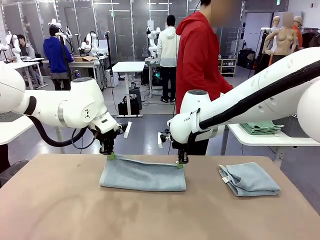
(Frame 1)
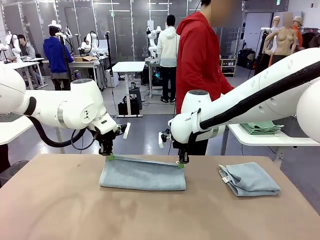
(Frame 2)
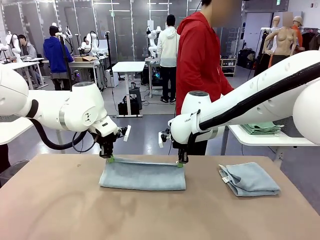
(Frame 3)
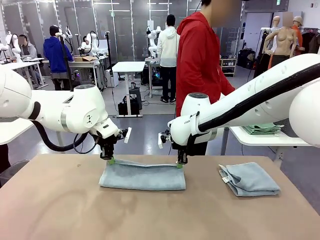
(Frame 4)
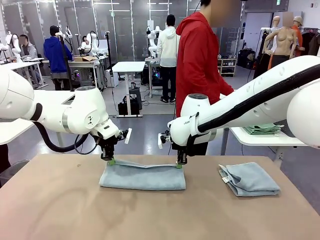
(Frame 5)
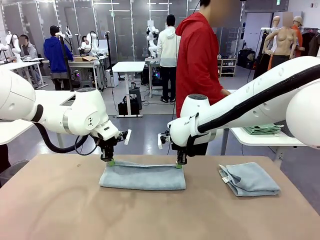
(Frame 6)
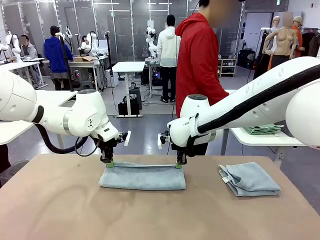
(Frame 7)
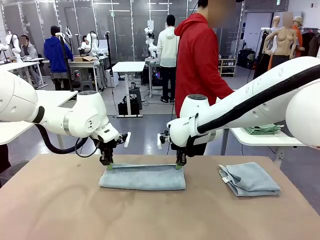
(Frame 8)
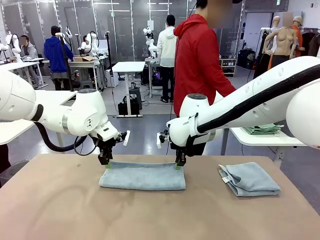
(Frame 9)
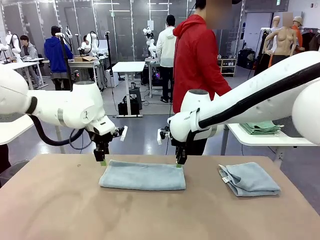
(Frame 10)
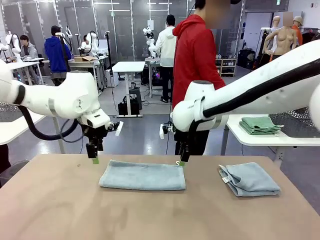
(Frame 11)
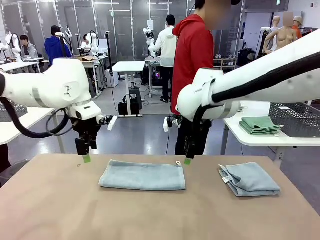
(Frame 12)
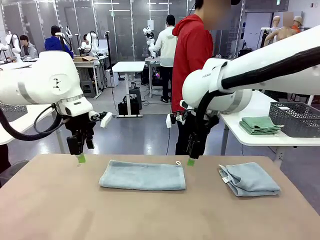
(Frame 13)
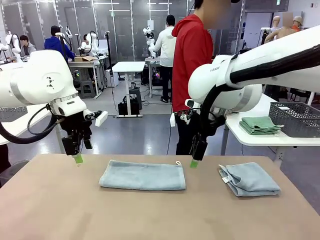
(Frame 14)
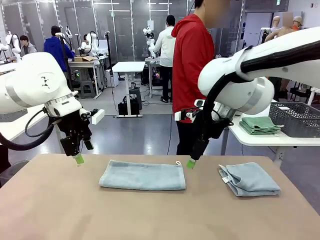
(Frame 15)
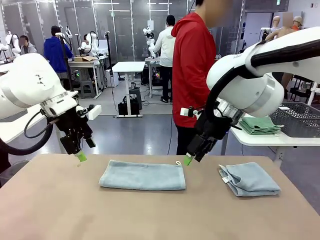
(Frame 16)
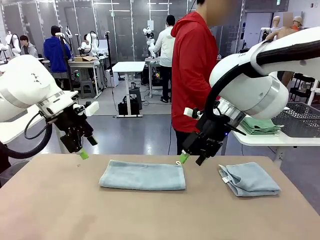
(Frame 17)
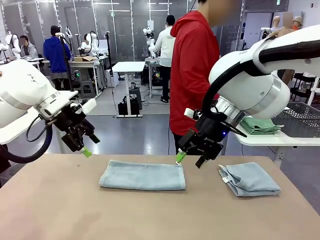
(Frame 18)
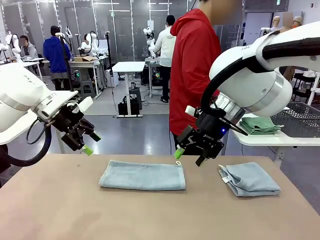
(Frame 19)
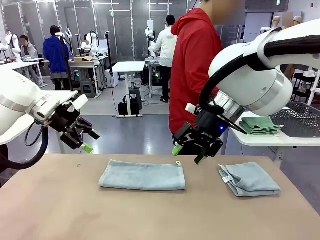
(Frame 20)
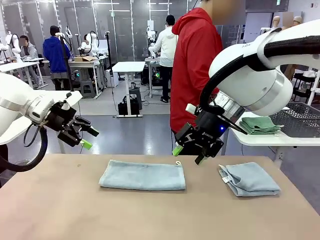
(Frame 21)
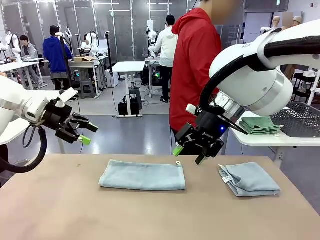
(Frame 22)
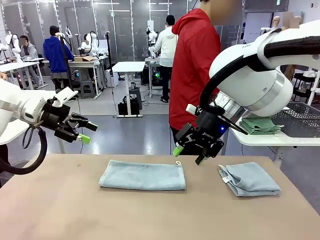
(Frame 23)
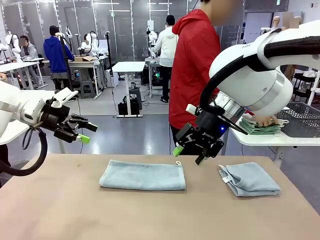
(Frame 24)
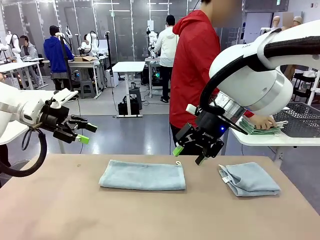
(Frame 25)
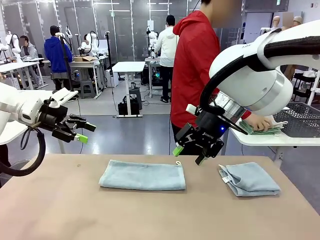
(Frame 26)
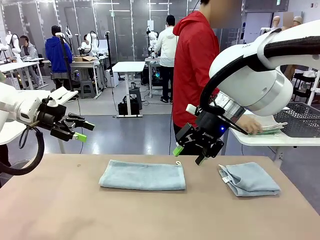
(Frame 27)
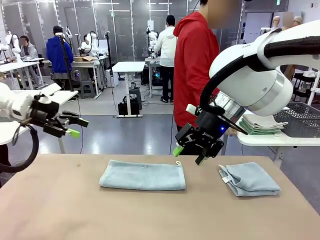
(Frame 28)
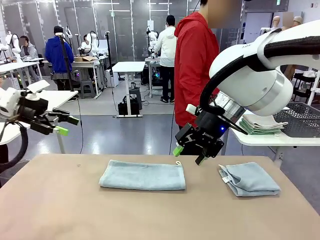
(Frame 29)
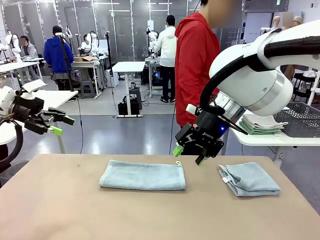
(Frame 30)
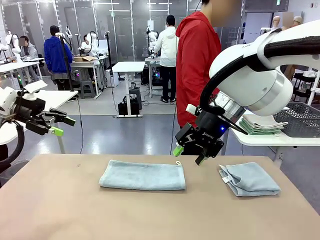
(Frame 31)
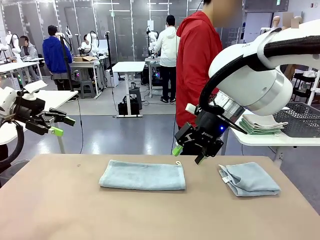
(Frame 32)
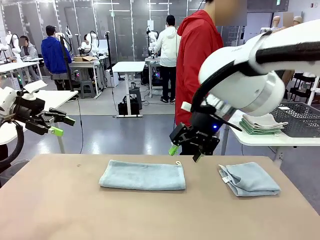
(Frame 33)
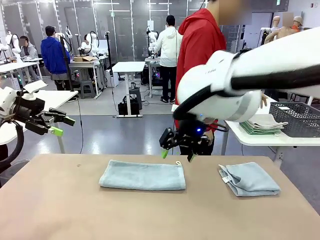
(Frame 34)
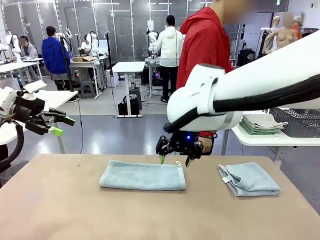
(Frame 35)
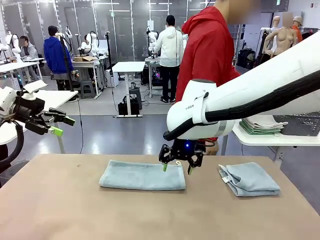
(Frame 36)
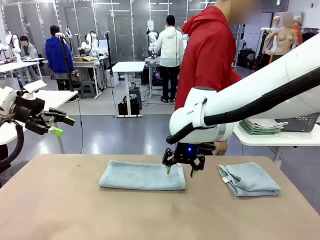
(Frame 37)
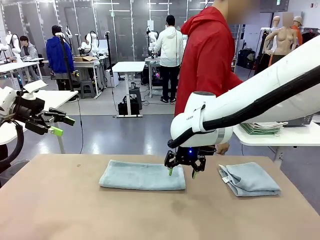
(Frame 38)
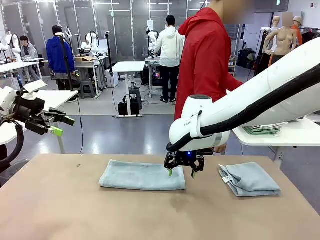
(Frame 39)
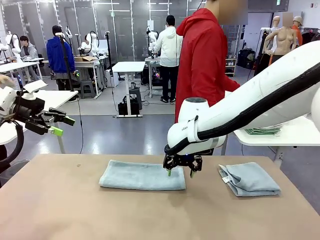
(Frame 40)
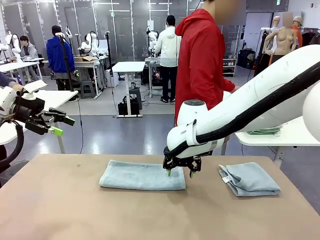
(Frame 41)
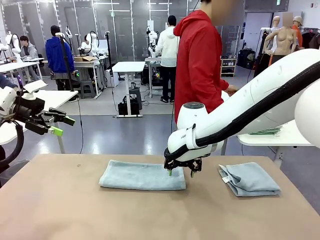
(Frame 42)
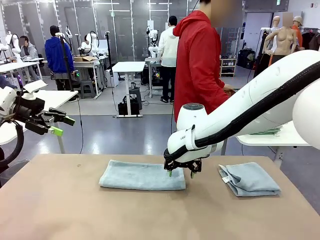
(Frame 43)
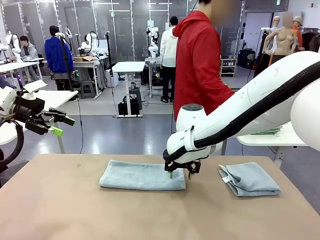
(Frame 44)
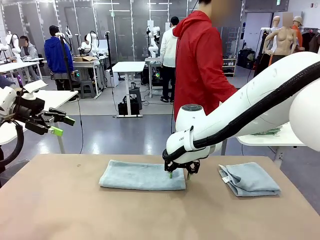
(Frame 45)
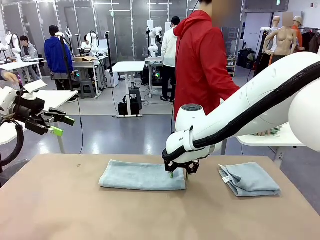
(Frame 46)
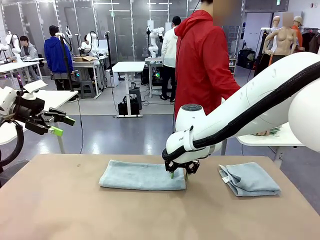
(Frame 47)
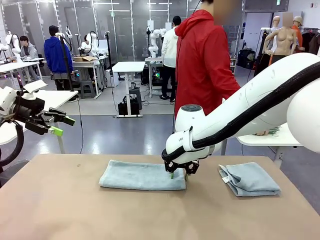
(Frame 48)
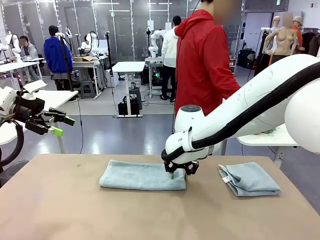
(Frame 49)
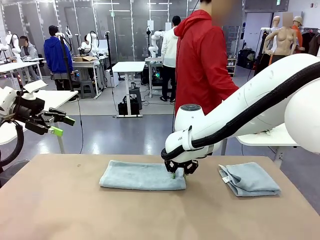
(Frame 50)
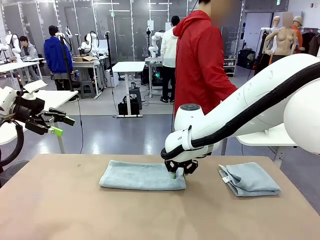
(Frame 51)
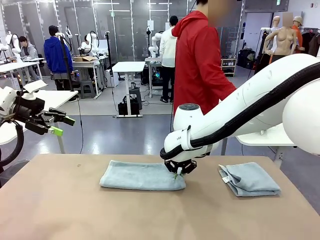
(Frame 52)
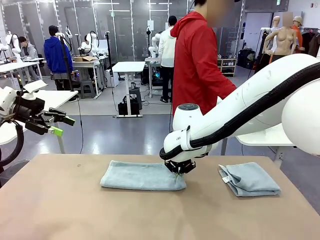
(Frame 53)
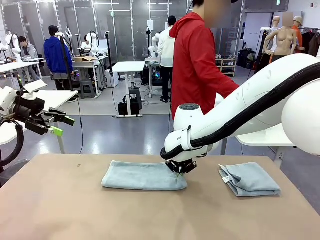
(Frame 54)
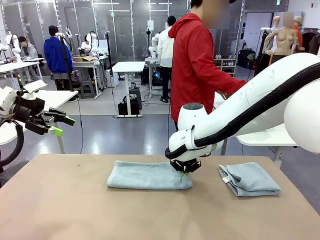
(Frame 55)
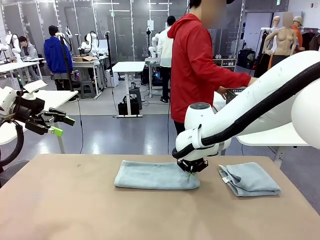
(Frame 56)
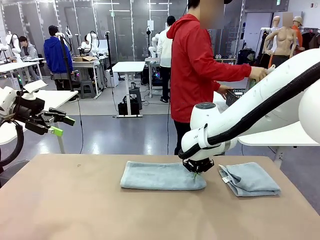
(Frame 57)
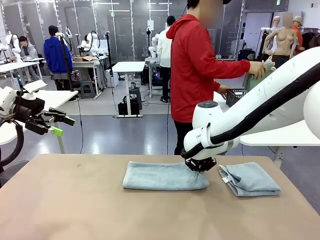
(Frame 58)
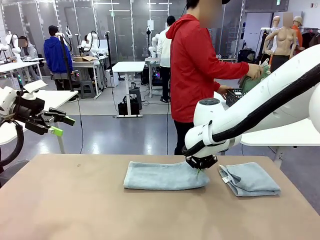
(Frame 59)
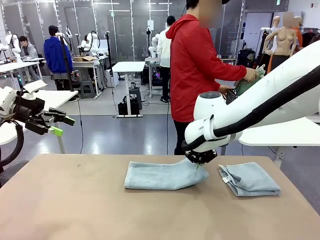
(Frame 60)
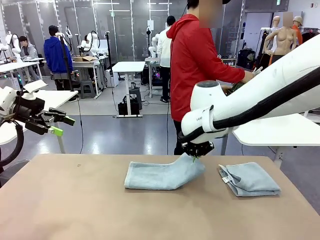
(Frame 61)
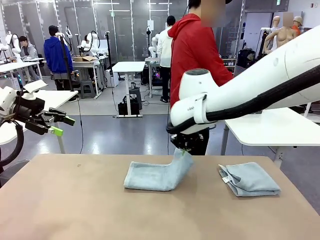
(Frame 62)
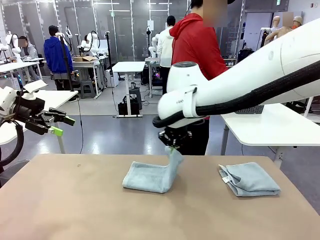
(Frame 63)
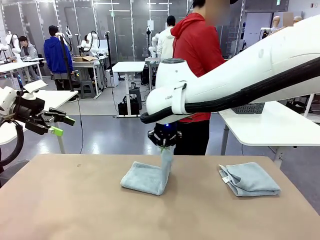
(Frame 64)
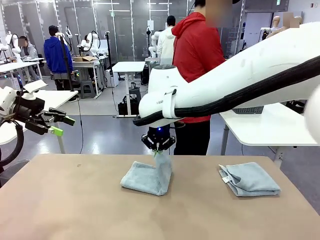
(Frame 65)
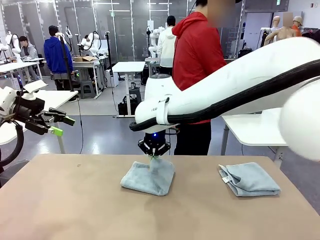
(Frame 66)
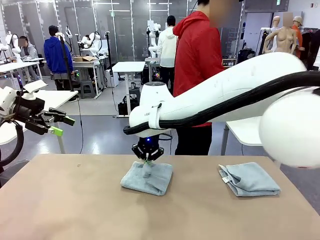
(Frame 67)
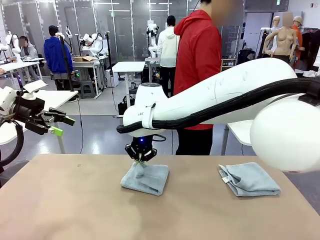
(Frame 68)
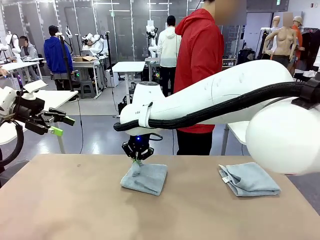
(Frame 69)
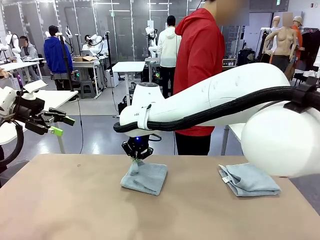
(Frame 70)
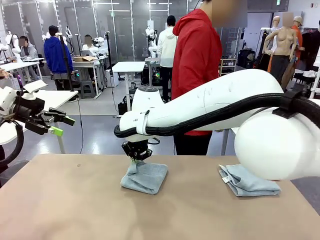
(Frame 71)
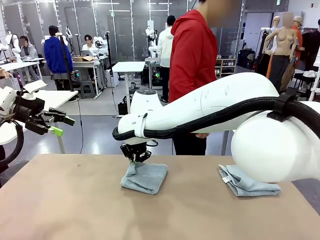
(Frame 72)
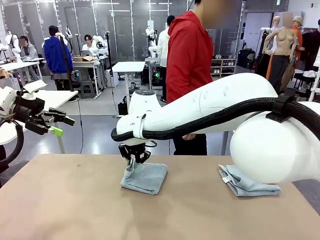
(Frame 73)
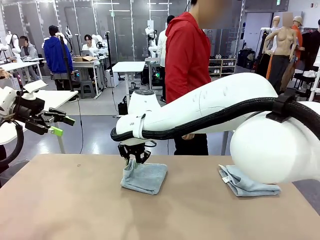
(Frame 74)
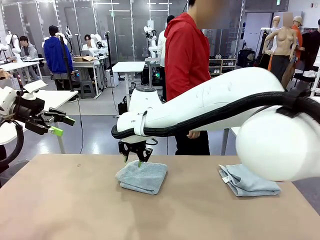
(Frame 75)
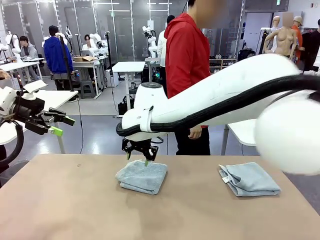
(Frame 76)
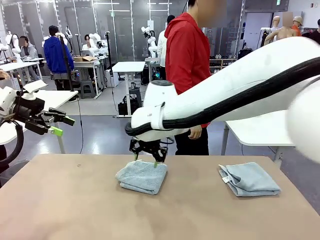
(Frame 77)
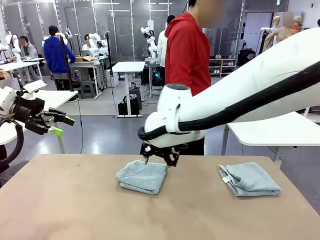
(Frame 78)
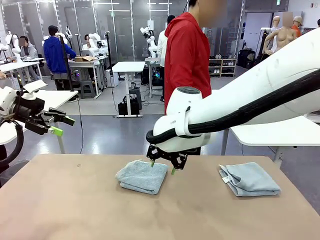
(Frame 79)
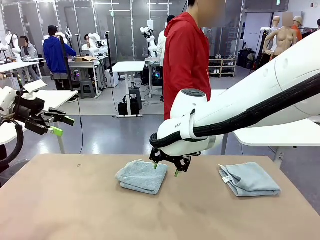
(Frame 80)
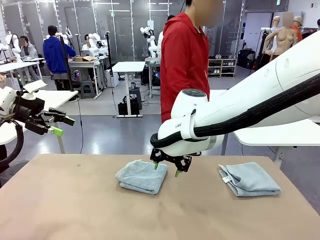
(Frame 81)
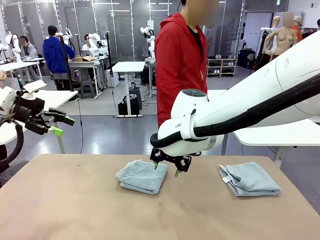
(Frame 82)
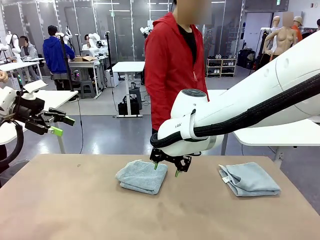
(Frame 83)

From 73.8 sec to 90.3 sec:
Task: Fold the towels and place them in the basket.
Robot: When a person lays out a Towel with hook on the table, fold it in half twice.
Person: Pick up the stack of towels from the right side of the human table, place it into the basket, and put the basket at the center of the table.
